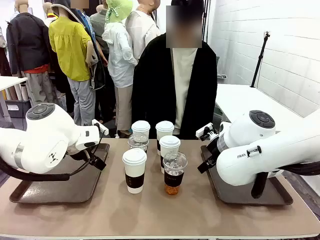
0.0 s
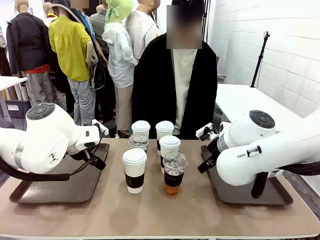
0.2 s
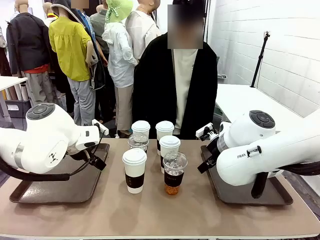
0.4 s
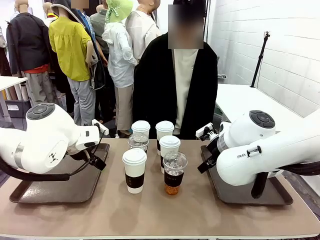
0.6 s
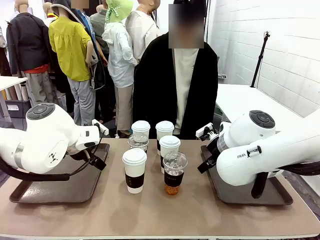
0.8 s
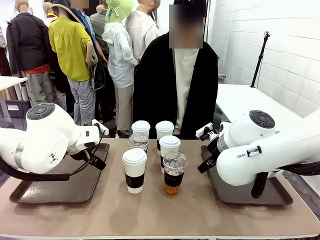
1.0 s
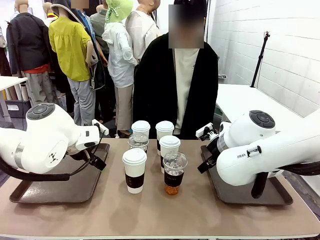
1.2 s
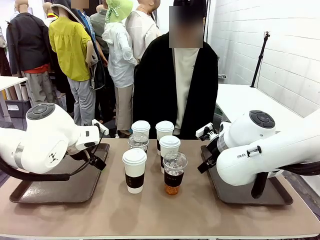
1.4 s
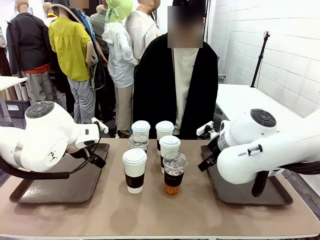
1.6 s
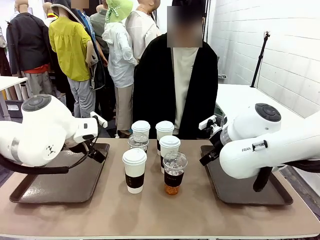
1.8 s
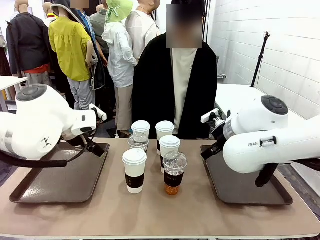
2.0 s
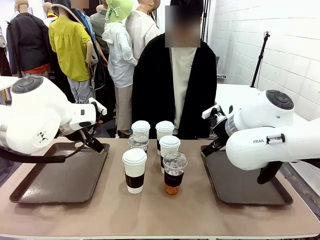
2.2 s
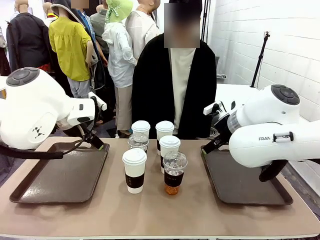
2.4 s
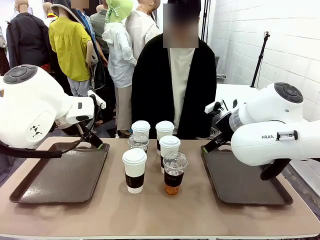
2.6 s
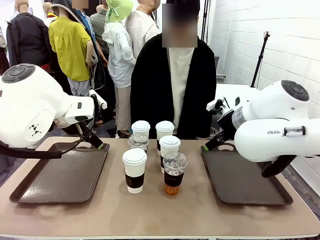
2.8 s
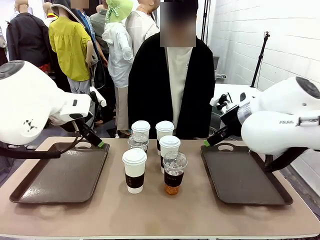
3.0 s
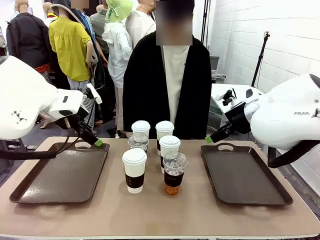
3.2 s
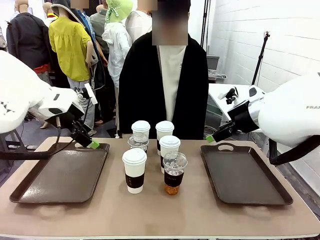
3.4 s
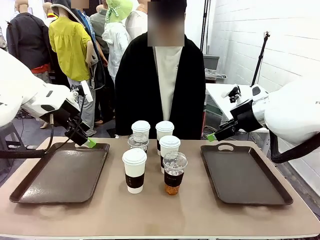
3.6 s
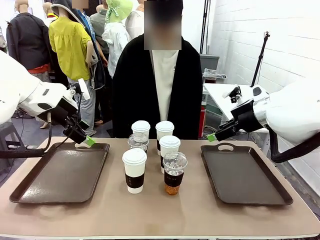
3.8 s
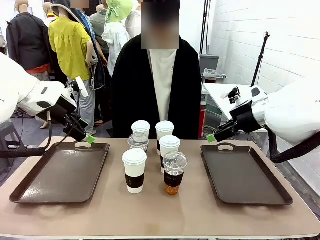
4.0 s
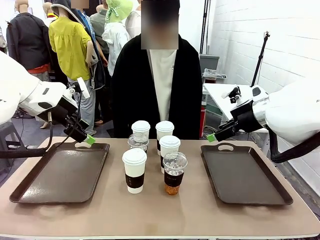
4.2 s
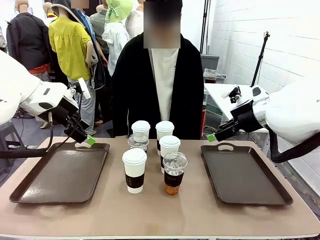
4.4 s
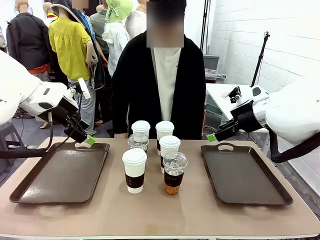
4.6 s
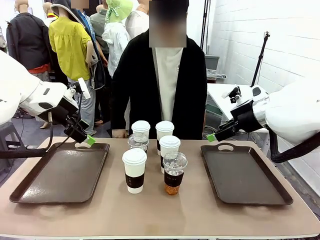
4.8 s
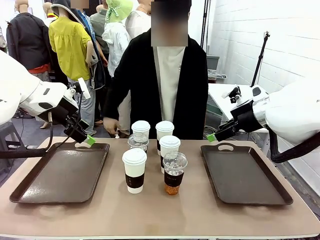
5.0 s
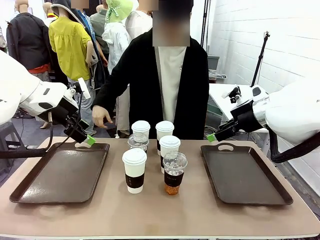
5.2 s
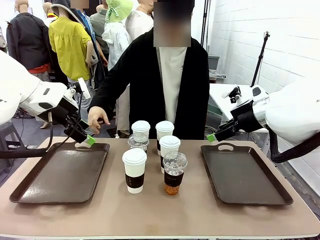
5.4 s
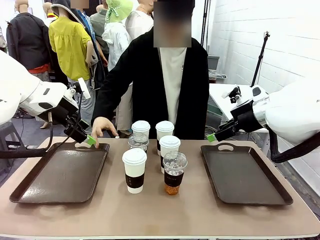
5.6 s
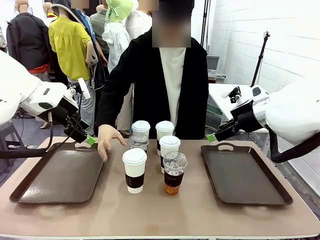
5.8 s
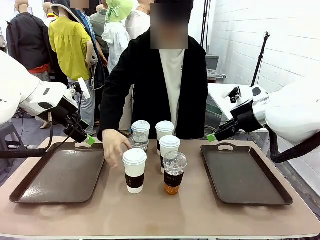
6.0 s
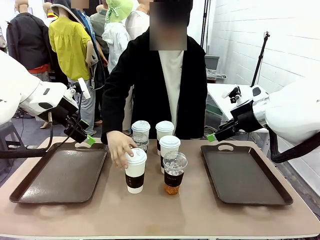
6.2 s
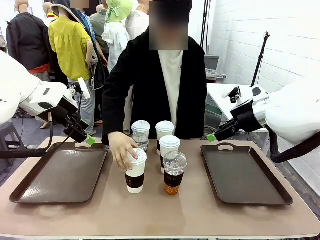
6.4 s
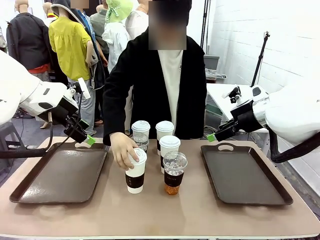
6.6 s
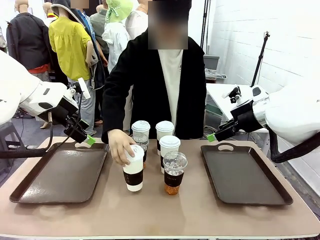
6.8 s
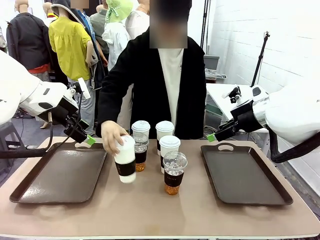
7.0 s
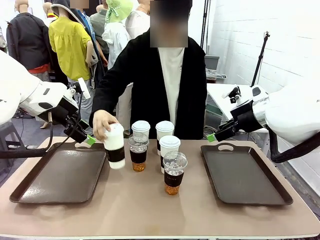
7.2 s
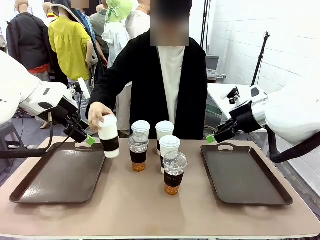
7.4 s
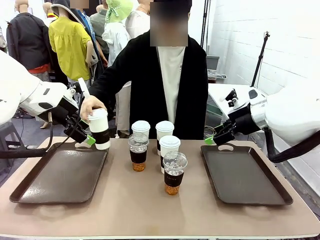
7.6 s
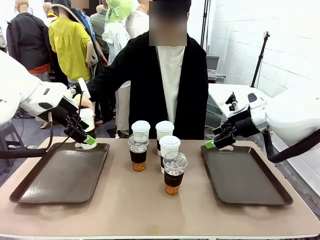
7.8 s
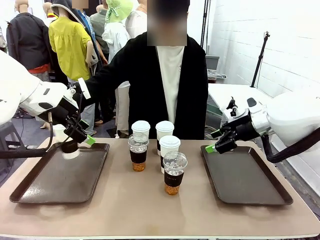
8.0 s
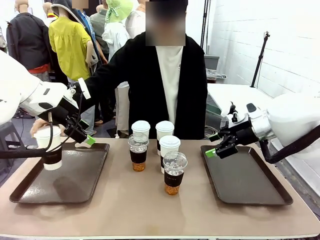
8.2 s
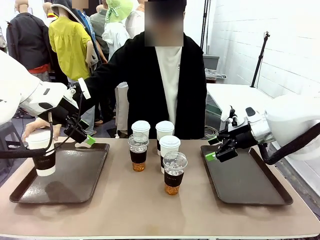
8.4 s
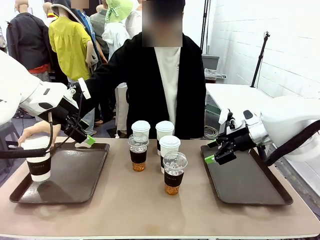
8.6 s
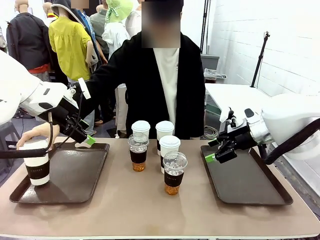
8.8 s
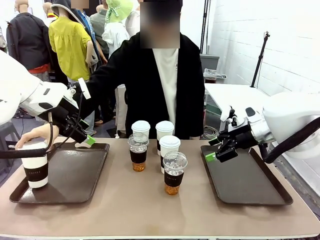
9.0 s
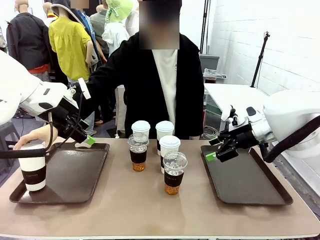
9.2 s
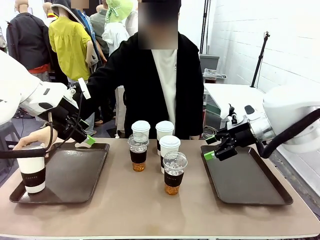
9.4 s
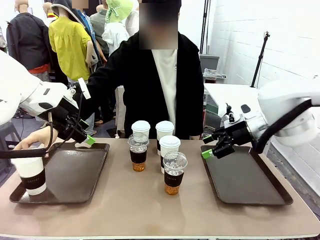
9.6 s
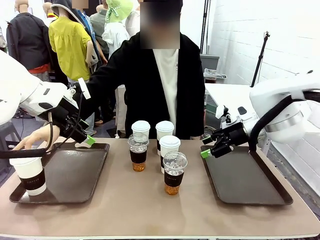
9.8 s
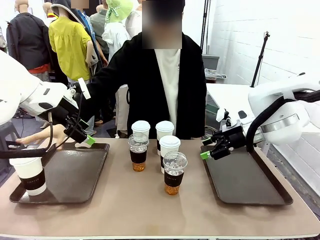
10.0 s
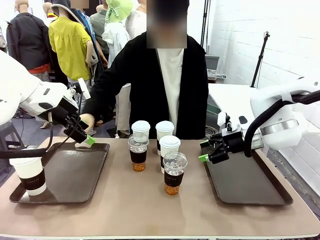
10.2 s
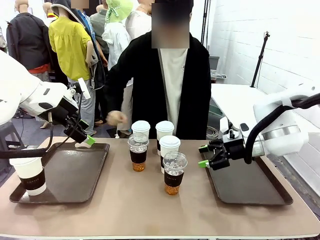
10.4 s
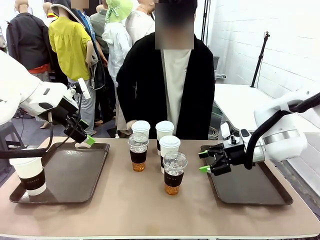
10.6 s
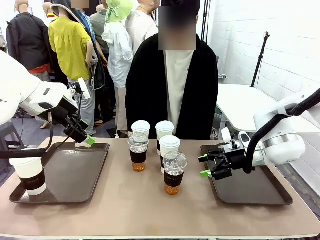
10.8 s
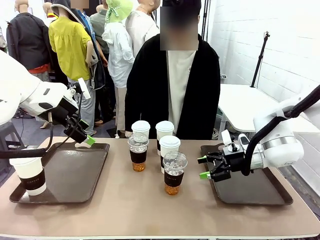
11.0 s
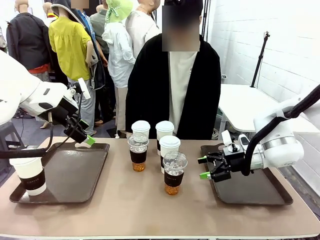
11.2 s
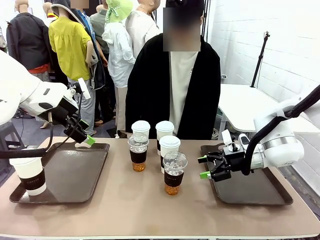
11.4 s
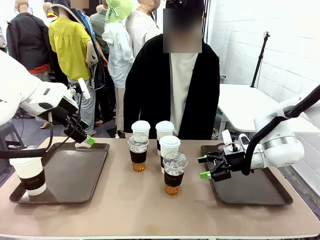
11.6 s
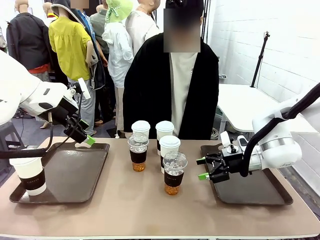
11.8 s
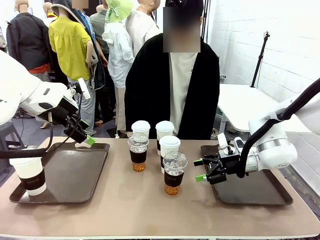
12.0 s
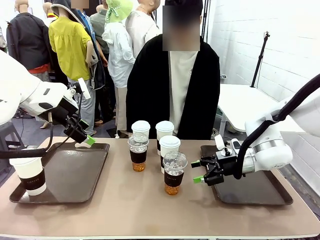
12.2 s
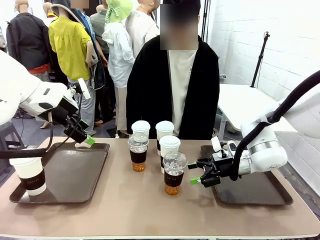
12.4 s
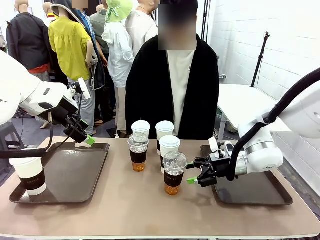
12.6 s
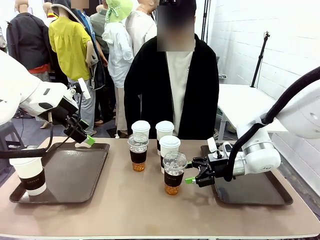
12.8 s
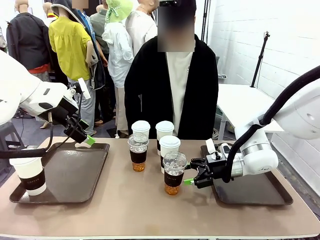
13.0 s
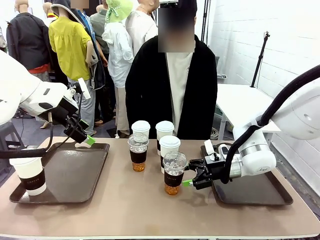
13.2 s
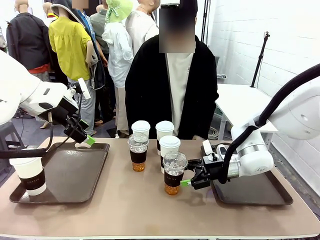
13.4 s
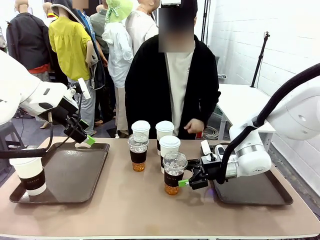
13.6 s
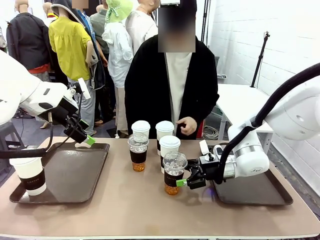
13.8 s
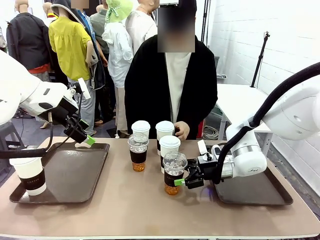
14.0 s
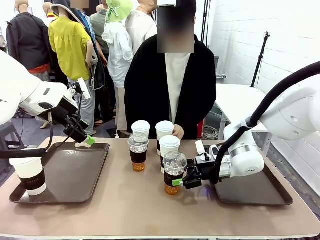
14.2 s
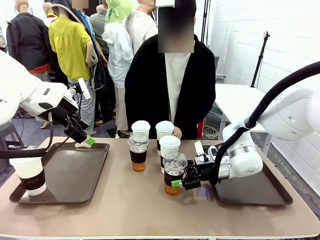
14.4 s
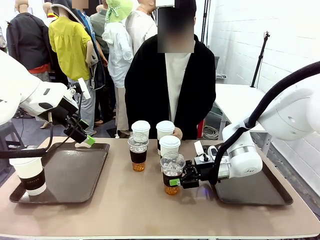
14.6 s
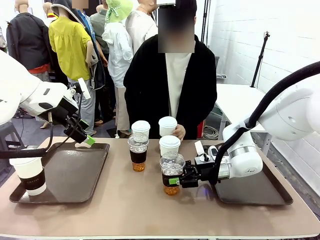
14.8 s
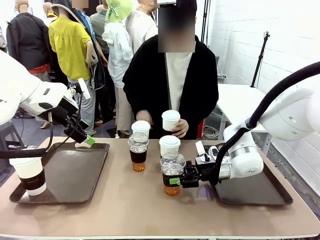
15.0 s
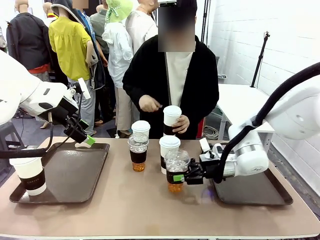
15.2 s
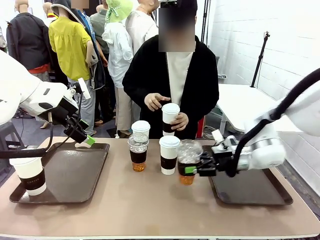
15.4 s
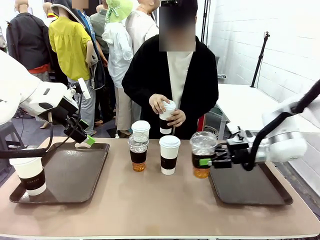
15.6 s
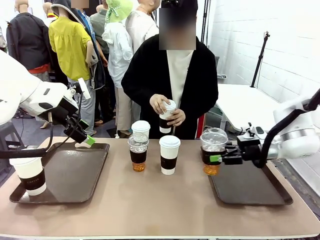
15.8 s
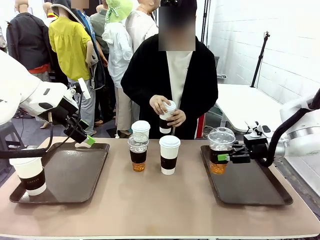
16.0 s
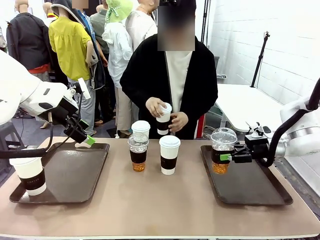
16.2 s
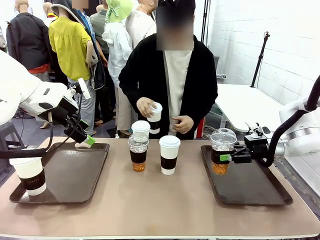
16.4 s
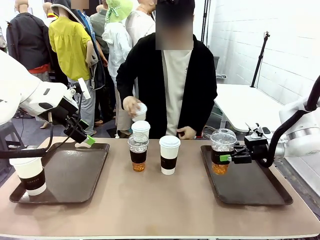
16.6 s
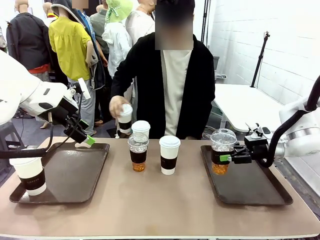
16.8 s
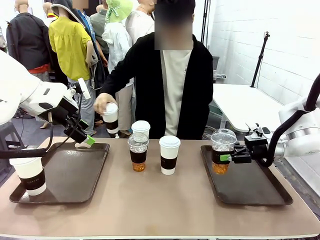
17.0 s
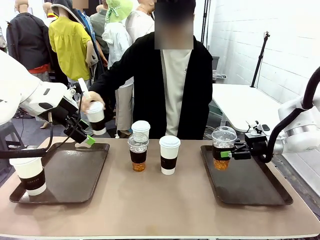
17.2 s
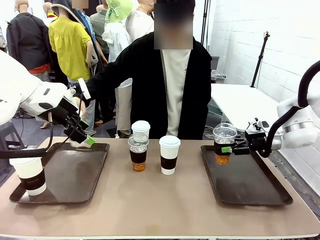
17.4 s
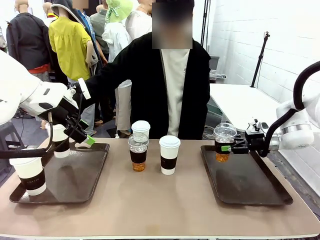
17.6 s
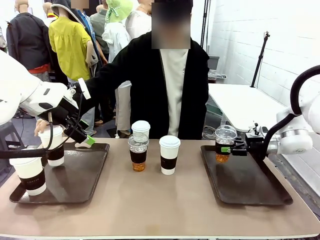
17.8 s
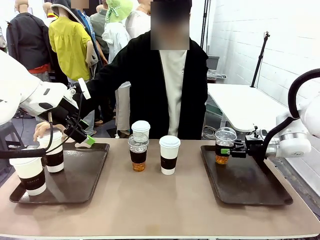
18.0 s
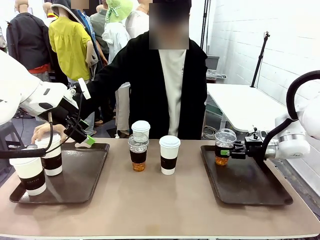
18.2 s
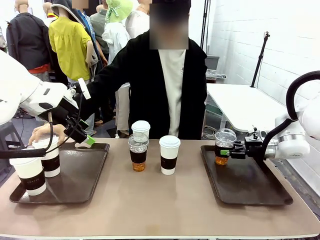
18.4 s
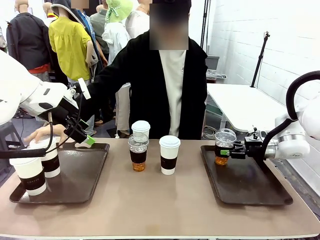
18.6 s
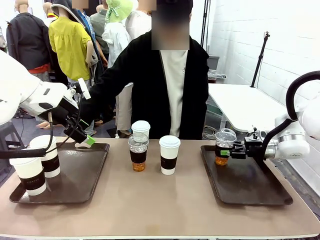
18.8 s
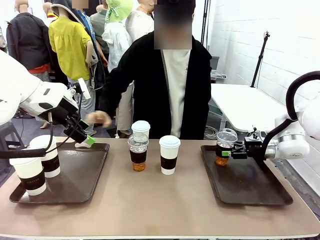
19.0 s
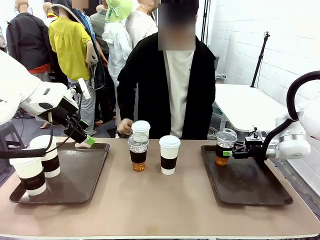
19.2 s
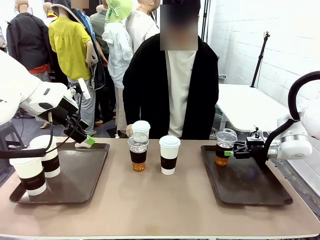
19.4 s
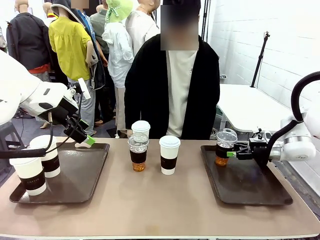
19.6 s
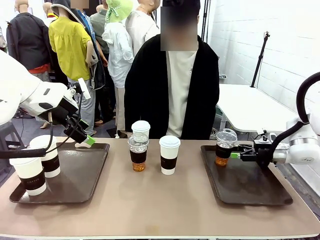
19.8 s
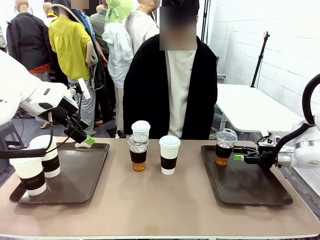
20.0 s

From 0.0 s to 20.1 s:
Task: Distribute the coffee onto the tray.
Robot: Pick up one iced Americano and place it on the right Handle tray.
Person: Pick up a cup of hot Americano and place it on the right tray.
